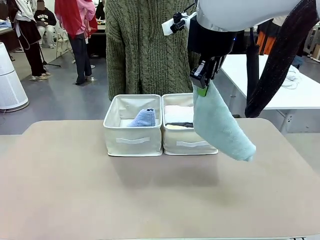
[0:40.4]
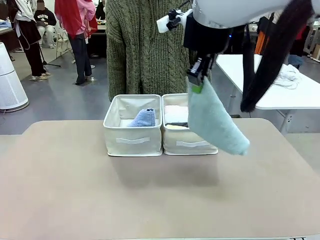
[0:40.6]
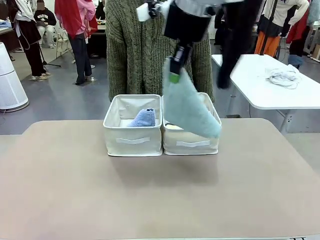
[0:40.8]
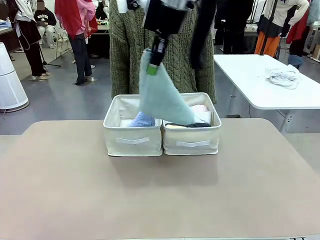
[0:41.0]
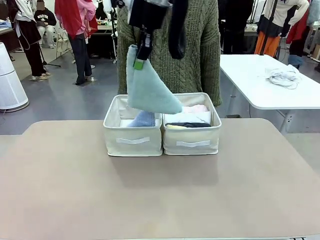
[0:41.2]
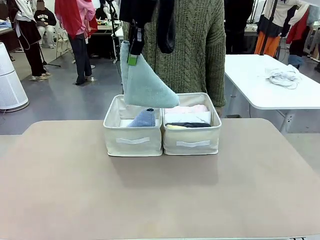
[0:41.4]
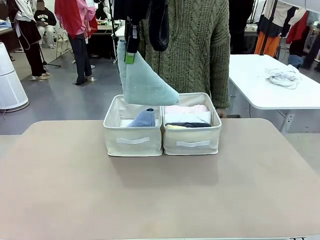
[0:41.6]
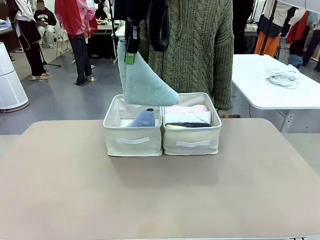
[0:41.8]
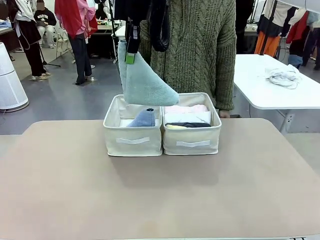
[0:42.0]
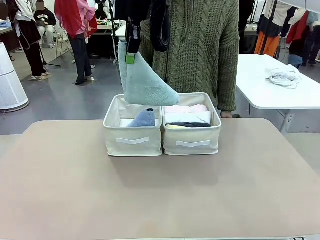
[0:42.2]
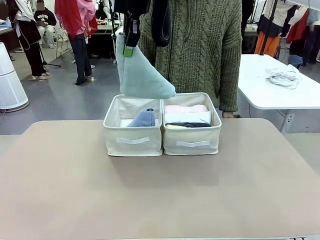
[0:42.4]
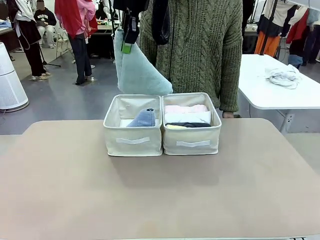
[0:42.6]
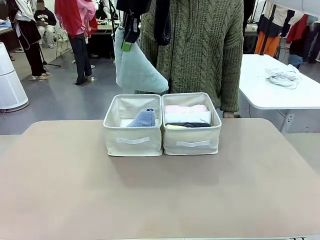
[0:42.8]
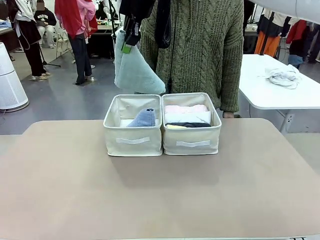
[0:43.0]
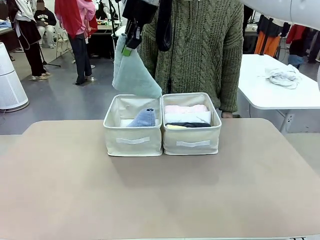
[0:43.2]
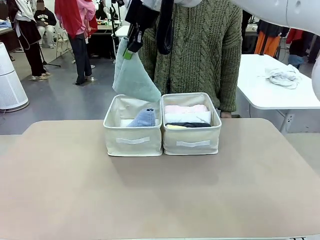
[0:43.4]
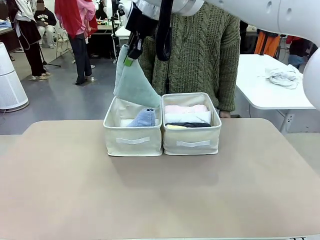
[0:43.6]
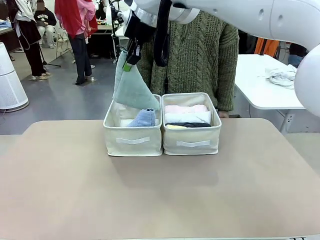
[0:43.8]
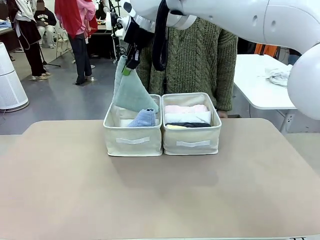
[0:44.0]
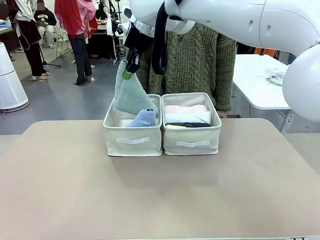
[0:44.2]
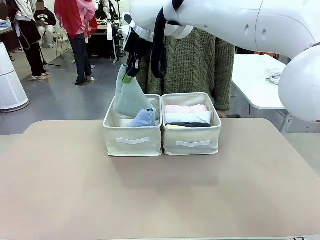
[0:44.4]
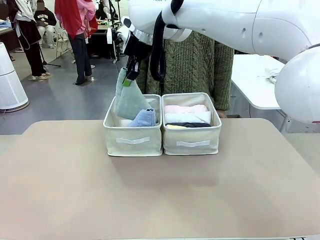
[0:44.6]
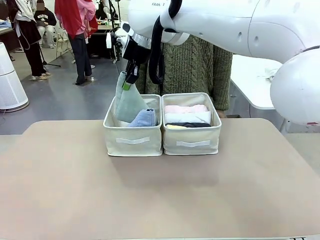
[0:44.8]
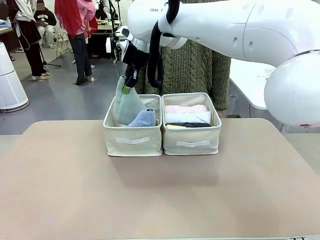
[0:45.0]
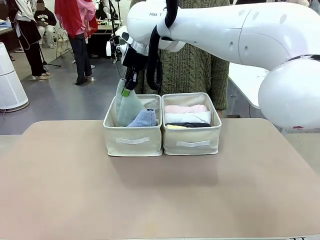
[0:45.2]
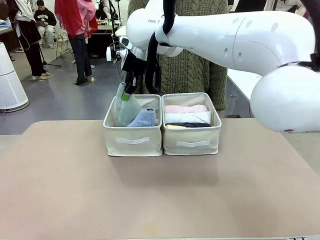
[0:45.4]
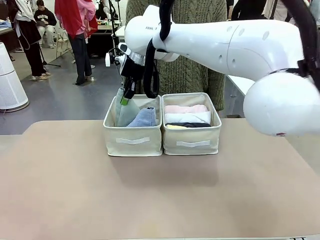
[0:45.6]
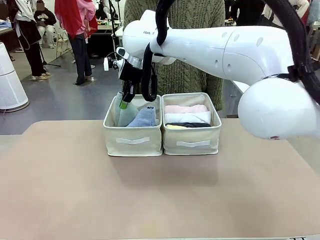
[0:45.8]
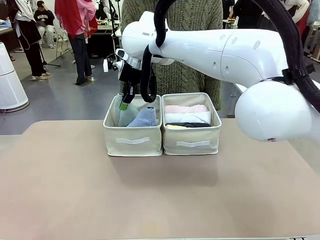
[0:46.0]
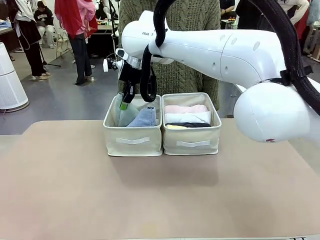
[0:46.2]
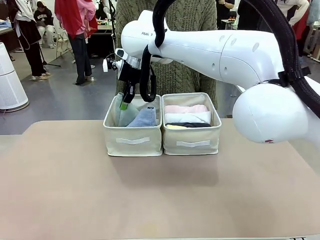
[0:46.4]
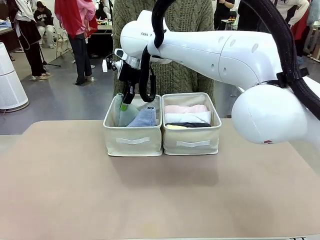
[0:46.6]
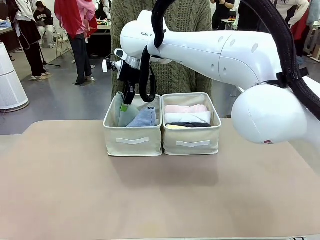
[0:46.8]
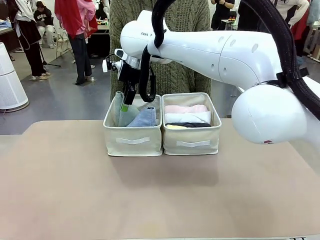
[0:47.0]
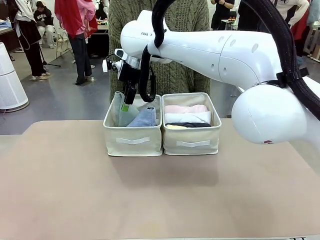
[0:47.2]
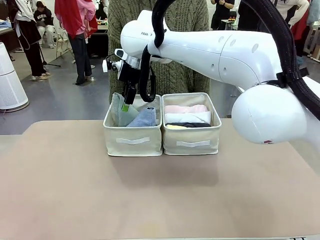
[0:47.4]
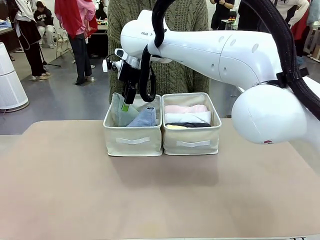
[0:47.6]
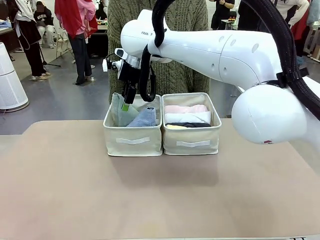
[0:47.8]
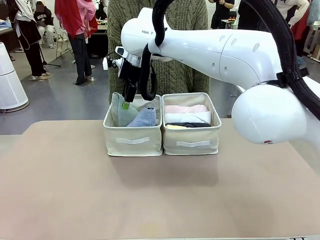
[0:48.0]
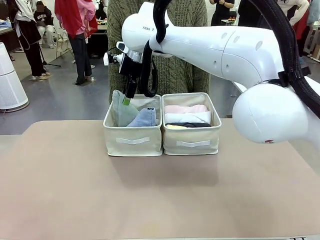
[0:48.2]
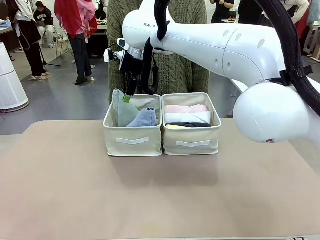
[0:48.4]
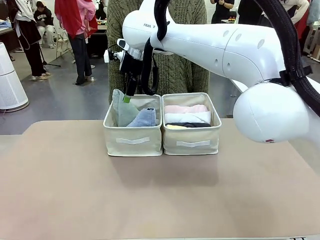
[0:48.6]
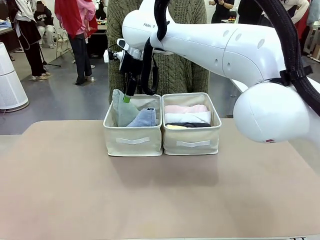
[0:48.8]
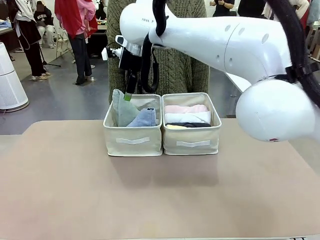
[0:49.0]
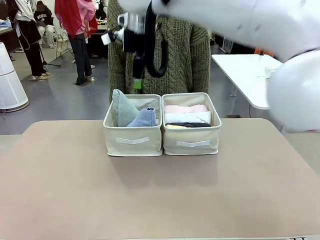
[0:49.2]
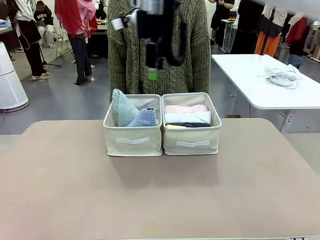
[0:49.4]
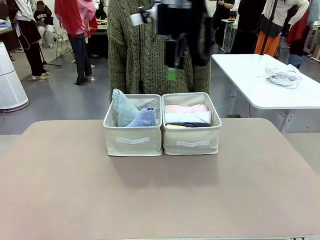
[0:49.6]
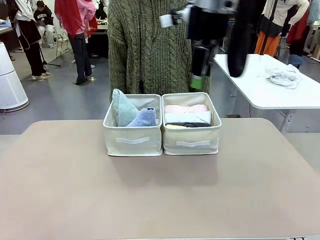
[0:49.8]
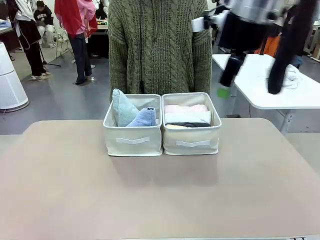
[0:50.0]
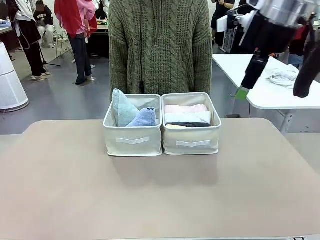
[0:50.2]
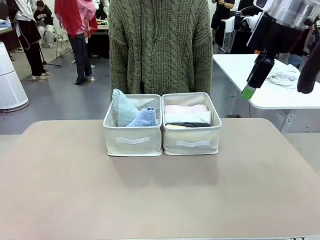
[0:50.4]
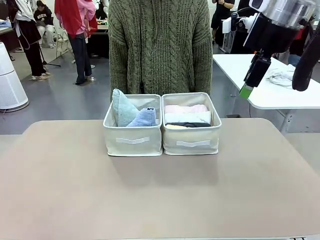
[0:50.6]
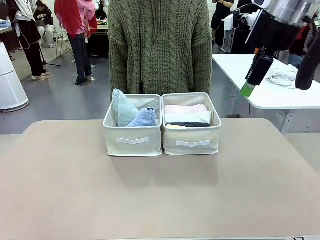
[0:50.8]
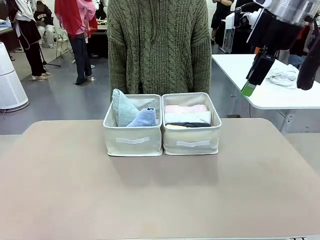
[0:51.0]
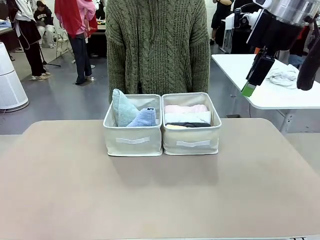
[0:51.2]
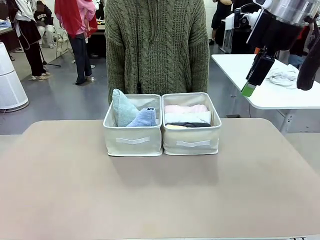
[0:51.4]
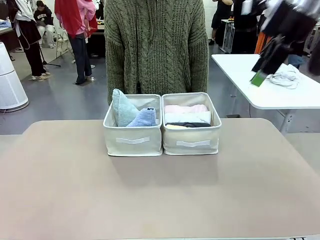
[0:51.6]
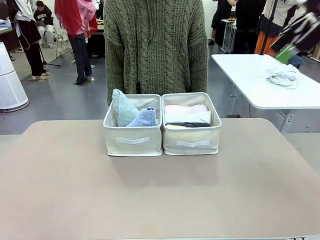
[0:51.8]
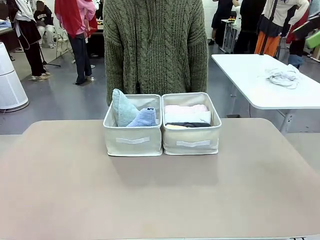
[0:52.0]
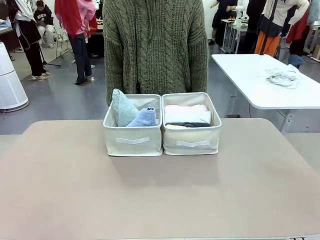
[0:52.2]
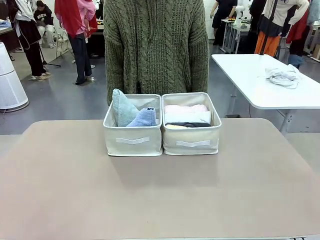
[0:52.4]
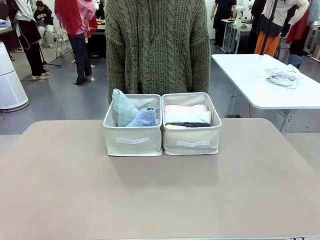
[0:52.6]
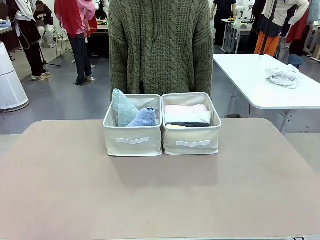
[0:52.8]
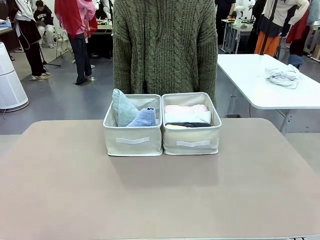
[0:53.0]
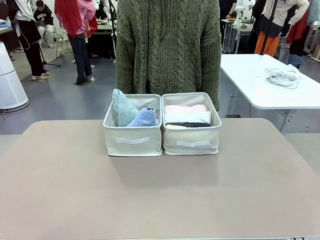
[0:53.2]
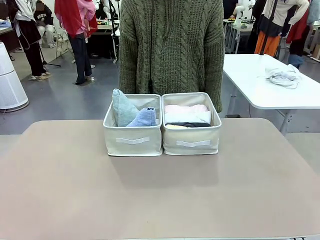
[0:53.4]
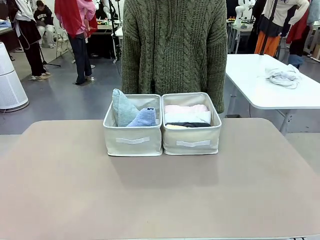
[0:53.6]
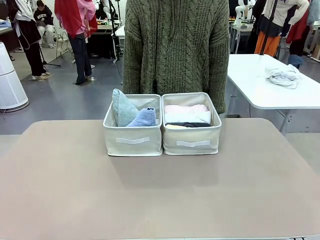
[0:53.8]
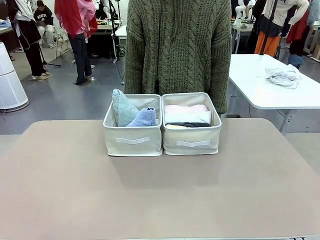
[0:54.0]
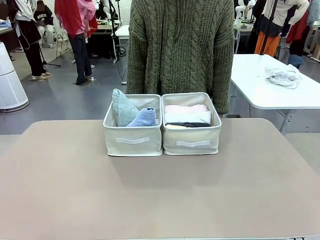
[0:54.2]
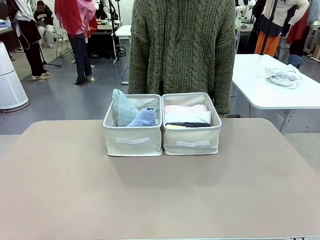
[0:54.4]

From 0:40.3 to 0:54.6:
Task: Sort the towels based on their folding style.
Robot: Pick up another triangle-folded towel from the table and place it in the left Fabric basket.

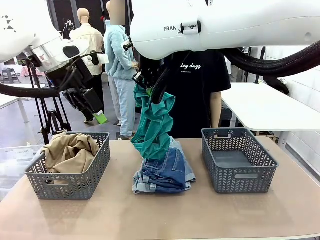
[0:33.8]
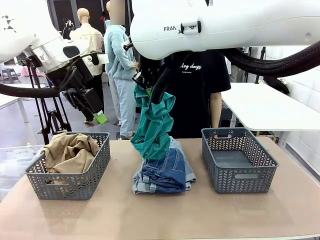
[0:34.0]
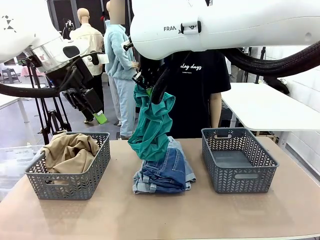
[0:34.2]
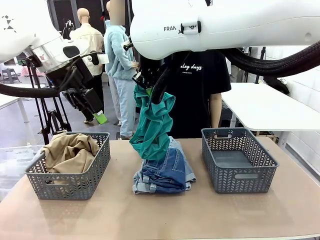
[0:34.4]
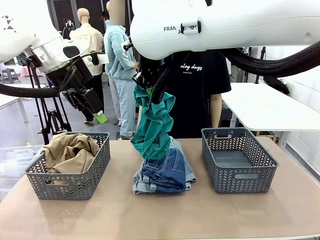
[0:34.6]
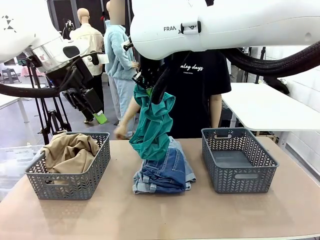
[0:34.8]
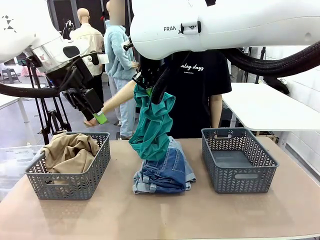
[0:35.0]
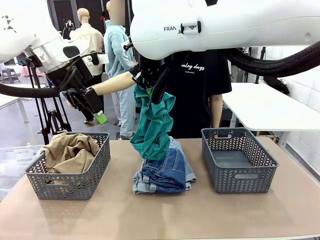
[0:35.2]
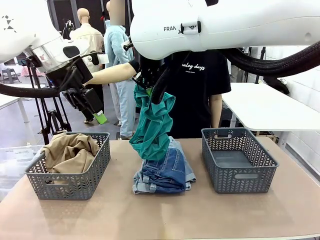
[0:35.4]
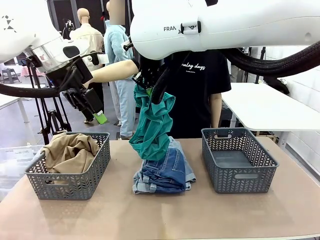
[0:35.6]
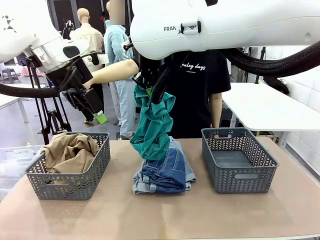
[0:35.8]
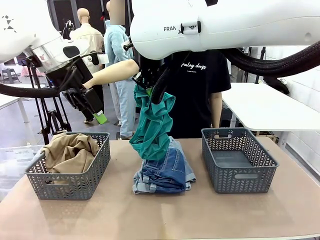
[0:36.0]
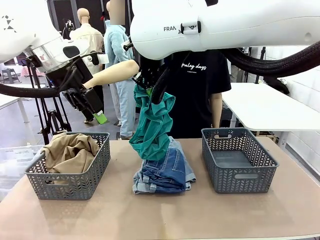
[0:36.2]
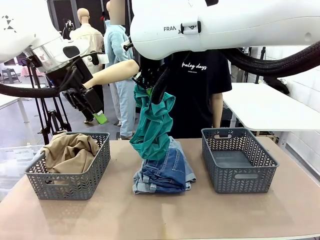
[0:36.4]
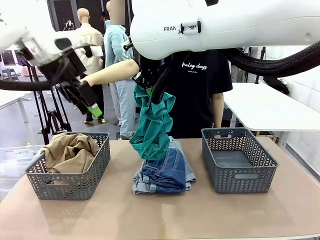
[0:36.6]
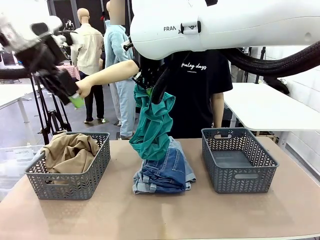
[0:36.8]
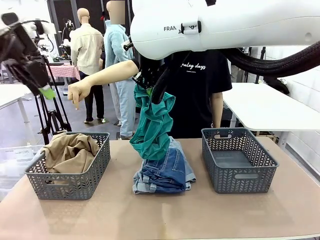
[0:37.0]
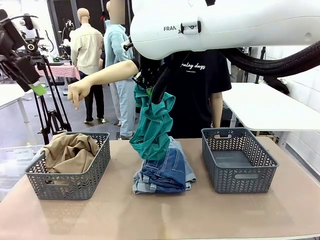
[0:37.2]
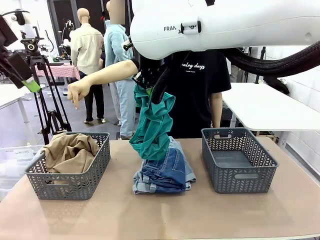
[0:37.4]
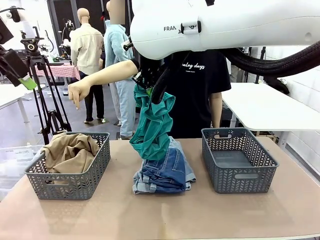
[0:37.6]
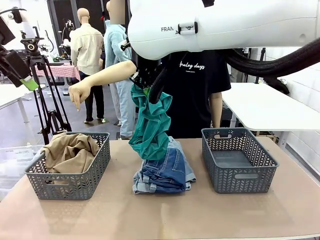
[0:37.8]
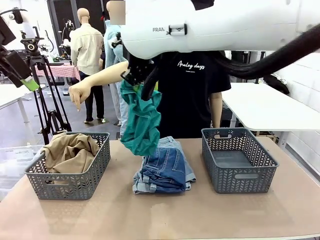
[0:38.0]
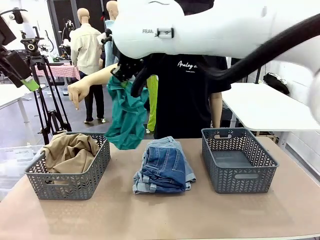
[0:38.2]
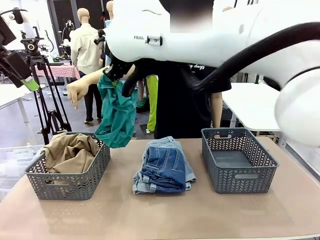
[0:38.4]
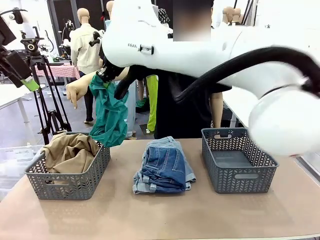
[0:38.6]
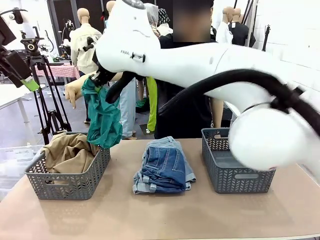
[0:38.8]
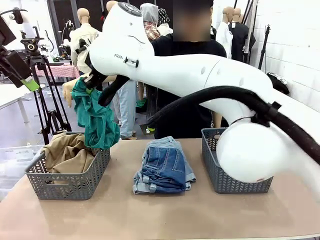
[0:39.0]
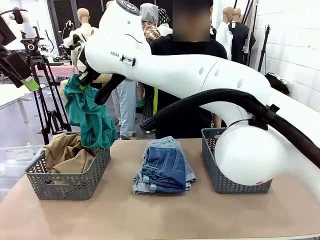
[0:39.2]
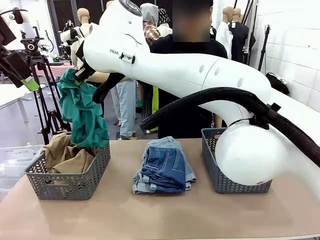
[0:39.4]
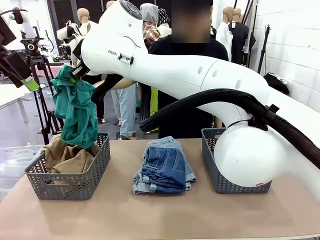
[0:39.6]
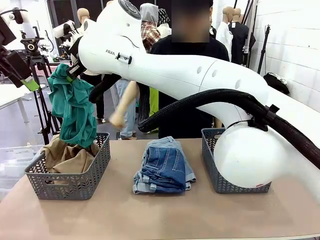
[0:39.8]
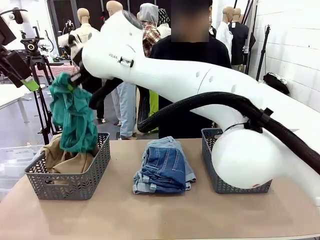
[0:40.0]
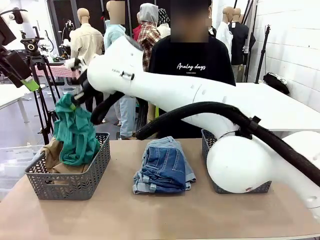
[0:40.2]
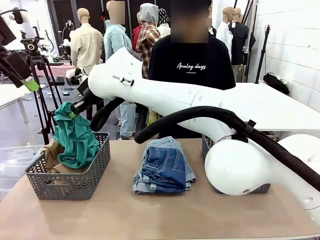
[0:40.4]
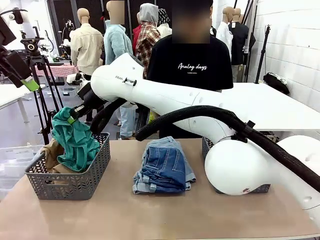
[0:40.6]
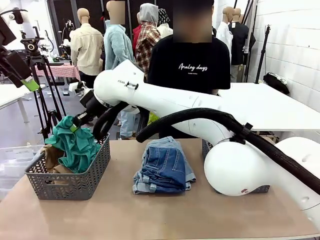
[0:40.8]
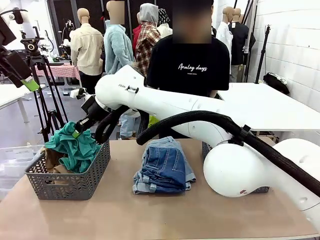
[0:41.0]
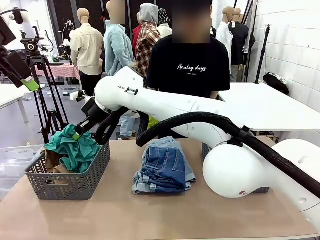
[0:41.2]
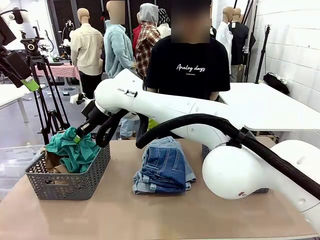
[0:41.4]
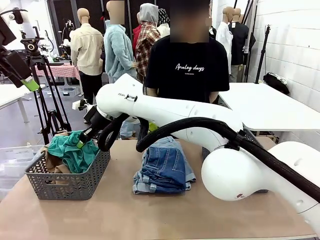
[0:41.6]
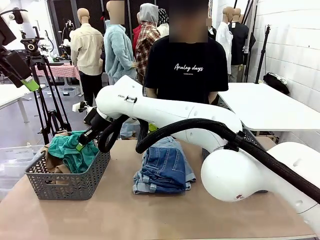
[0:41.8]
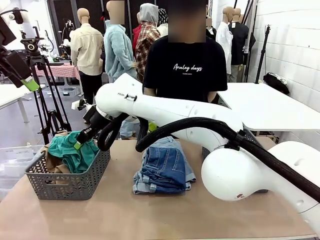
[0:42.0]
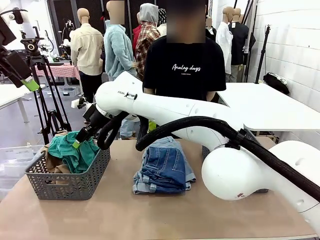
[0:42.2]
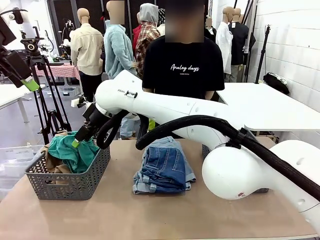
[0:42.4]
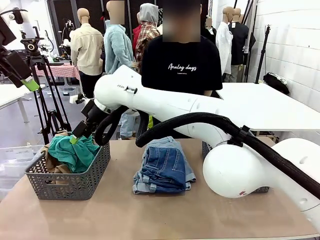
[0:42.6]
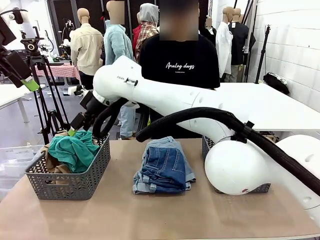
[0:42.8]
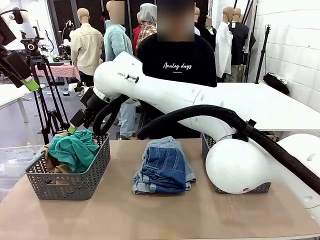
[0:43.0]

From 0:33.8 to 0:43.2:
Task: Sort the tops and bottoms.
Robot: Sort the clothes according to human instructions.
